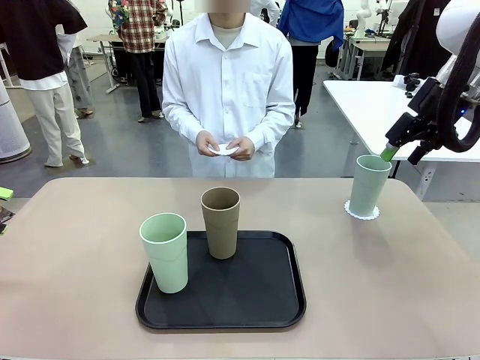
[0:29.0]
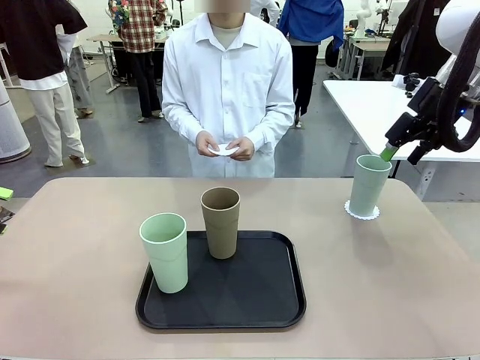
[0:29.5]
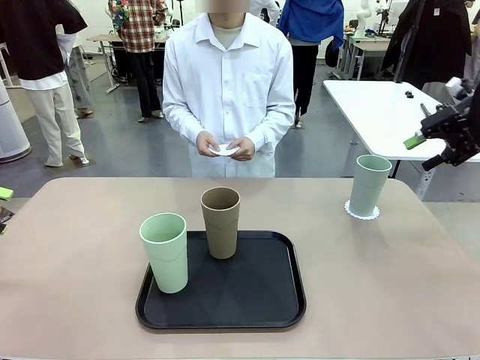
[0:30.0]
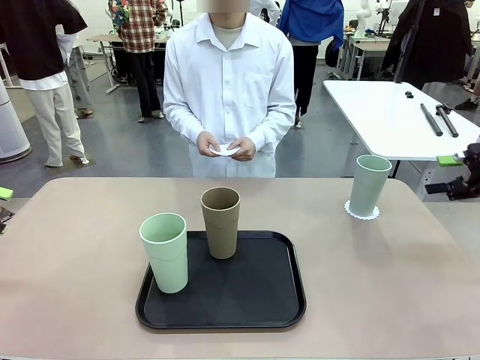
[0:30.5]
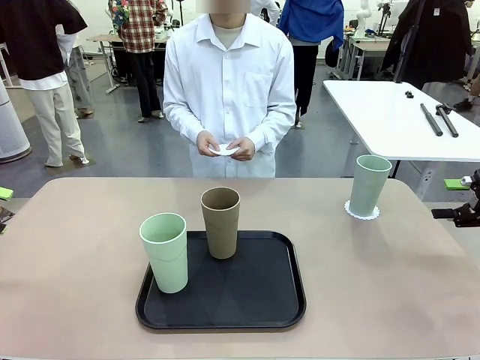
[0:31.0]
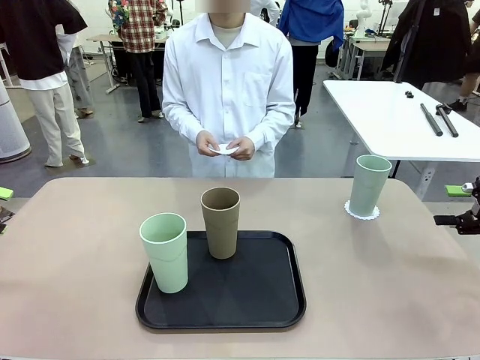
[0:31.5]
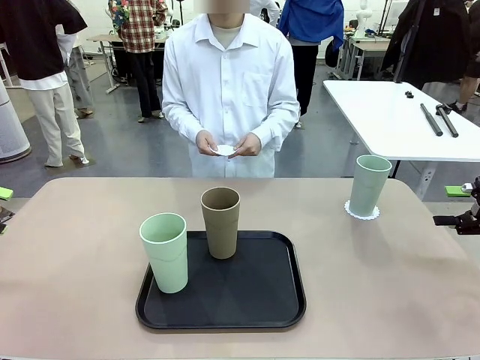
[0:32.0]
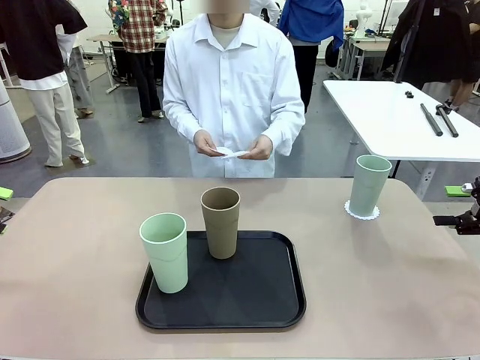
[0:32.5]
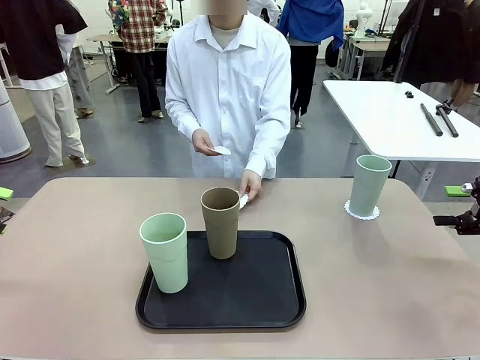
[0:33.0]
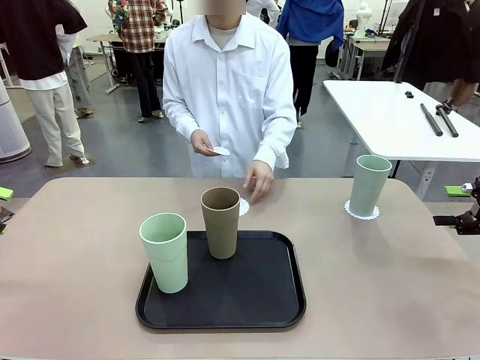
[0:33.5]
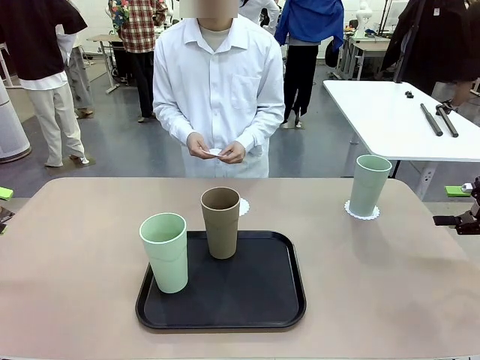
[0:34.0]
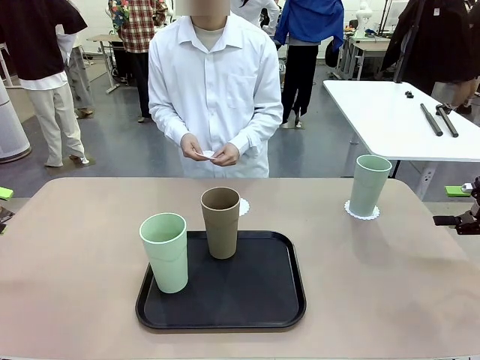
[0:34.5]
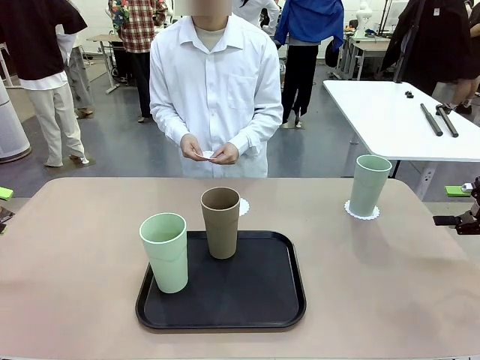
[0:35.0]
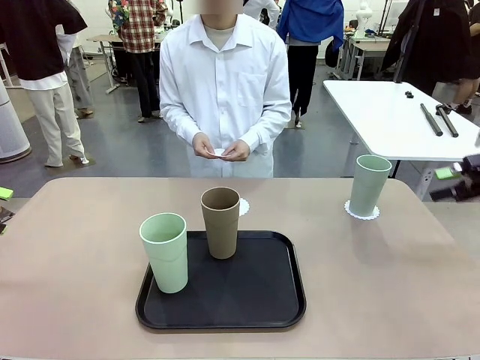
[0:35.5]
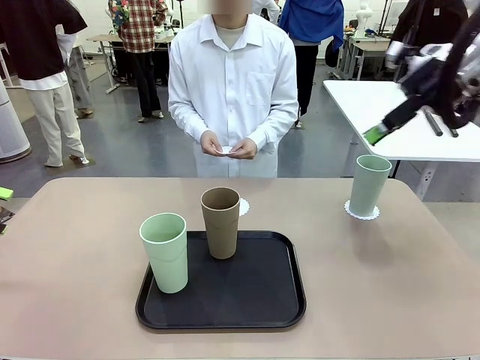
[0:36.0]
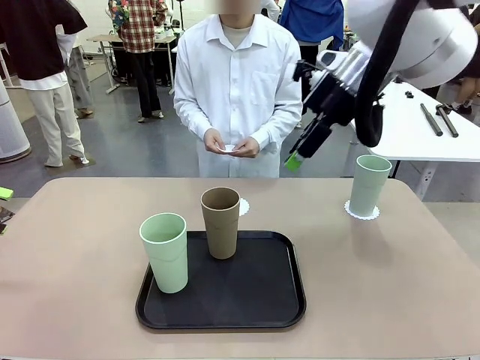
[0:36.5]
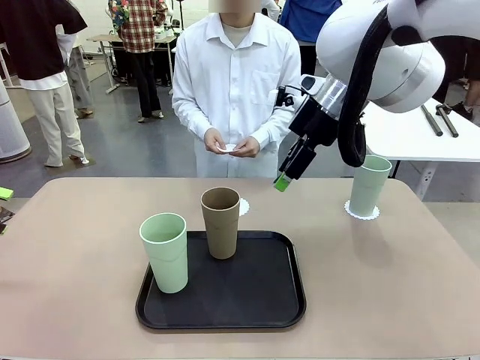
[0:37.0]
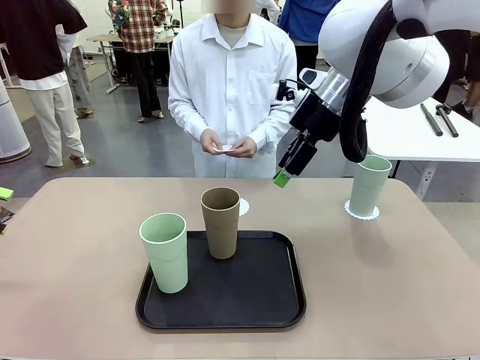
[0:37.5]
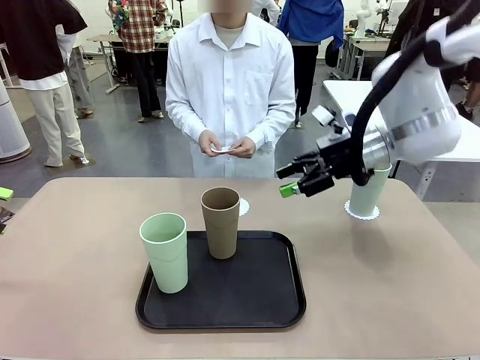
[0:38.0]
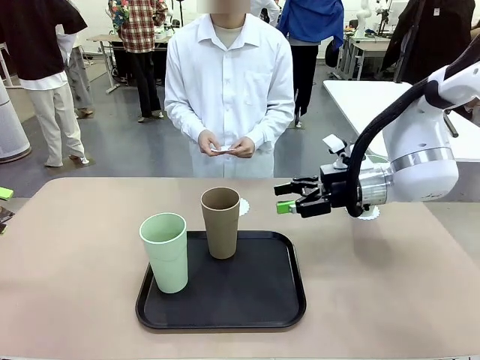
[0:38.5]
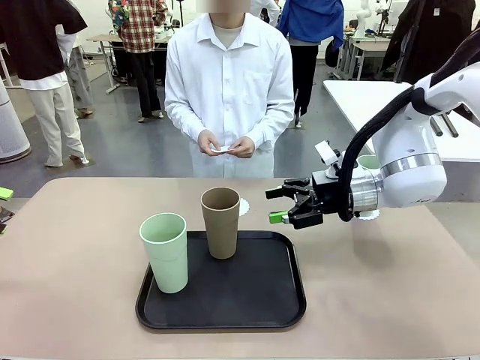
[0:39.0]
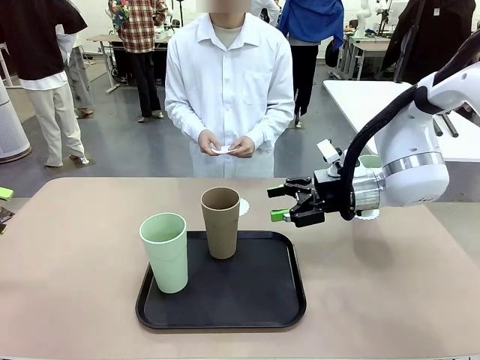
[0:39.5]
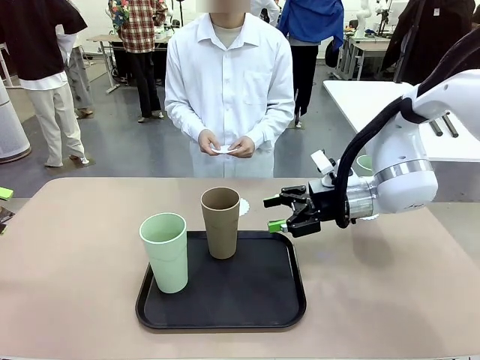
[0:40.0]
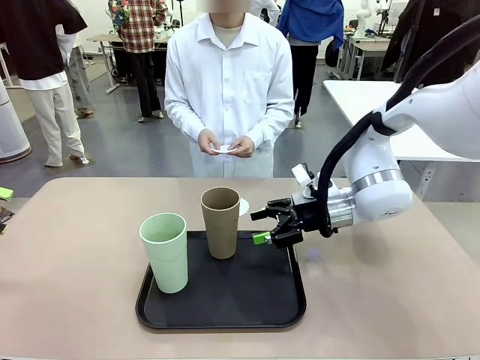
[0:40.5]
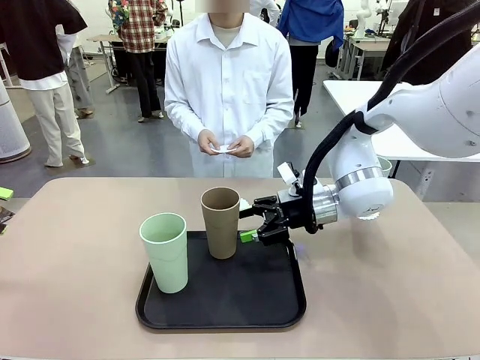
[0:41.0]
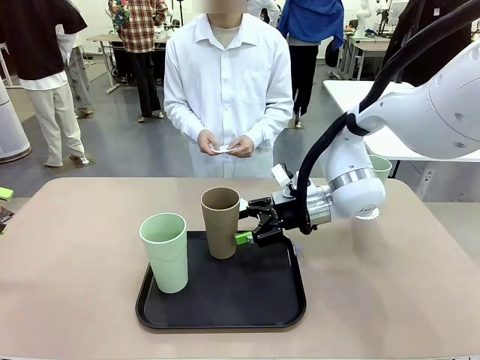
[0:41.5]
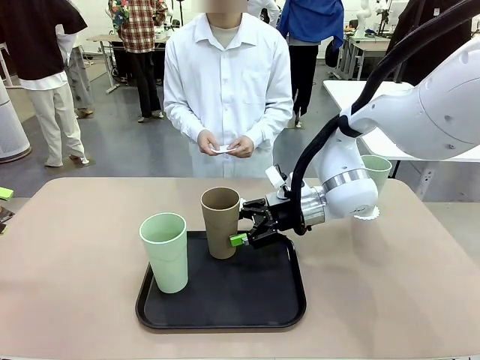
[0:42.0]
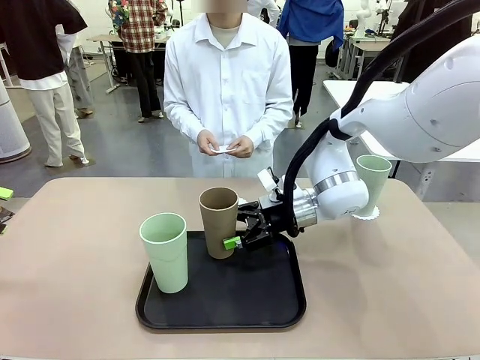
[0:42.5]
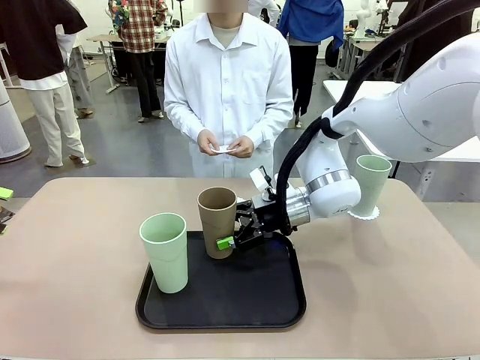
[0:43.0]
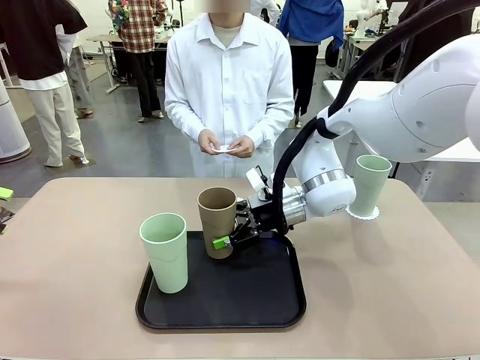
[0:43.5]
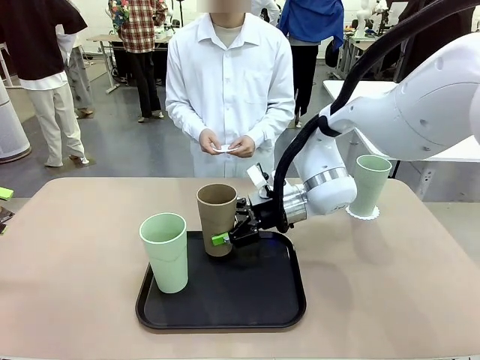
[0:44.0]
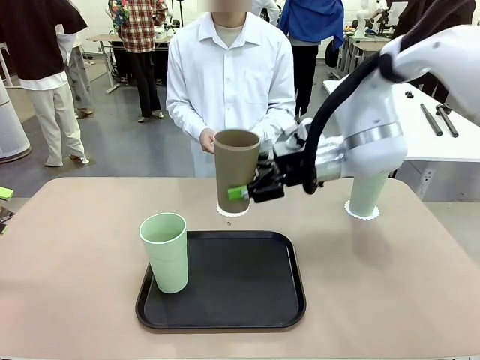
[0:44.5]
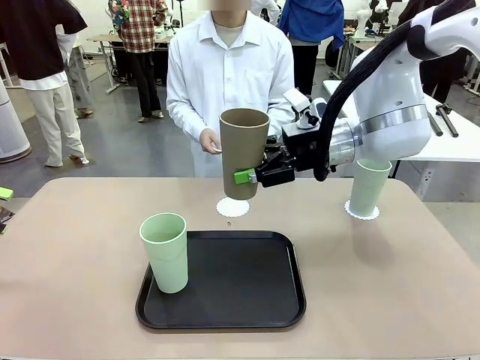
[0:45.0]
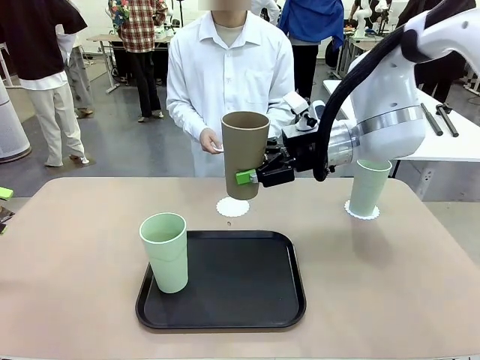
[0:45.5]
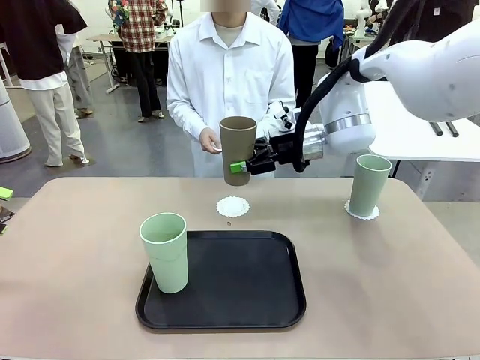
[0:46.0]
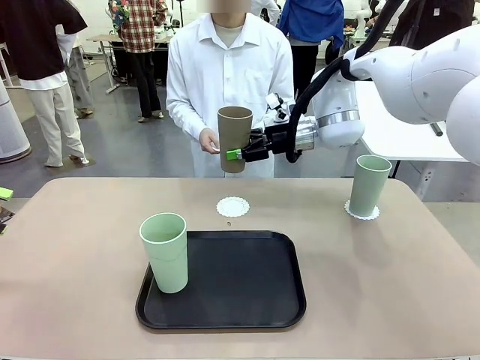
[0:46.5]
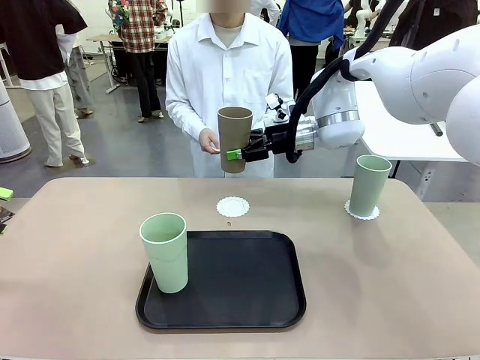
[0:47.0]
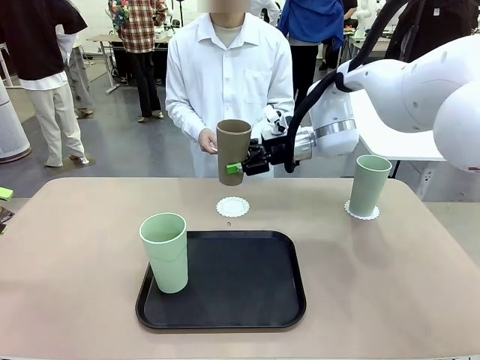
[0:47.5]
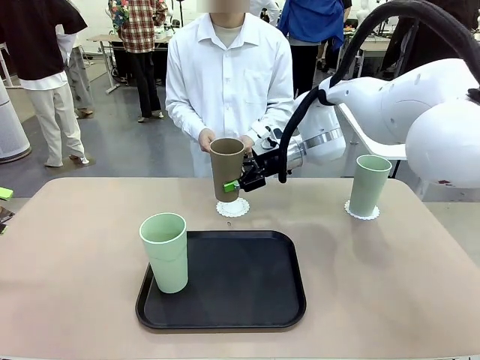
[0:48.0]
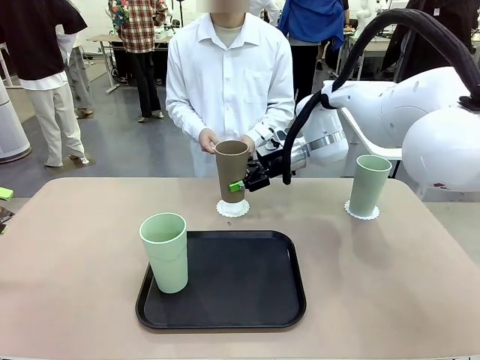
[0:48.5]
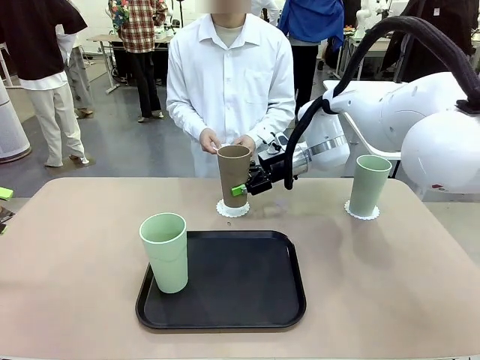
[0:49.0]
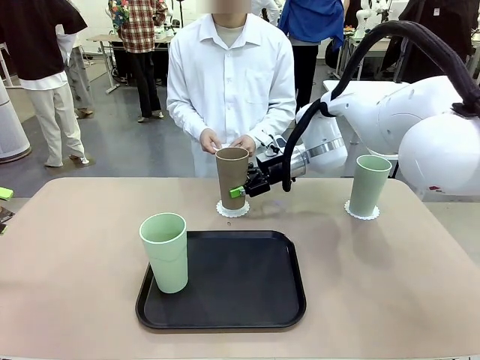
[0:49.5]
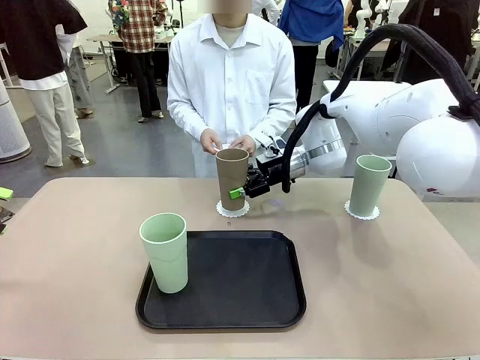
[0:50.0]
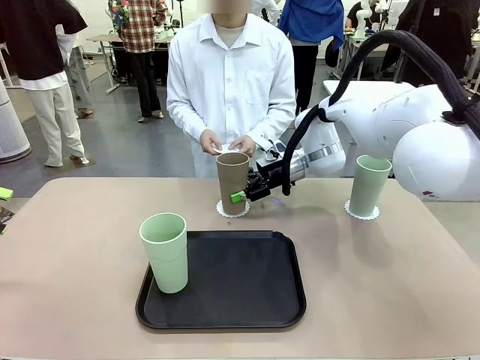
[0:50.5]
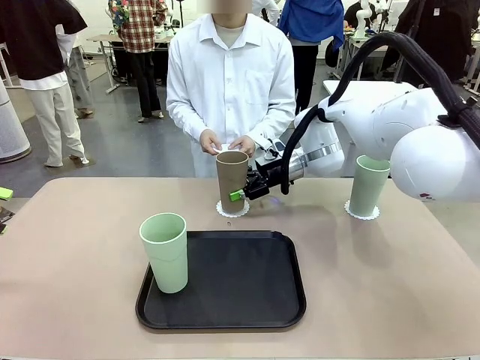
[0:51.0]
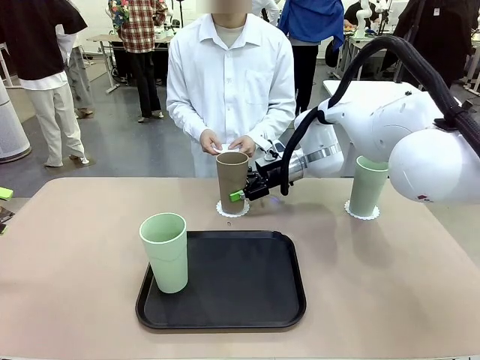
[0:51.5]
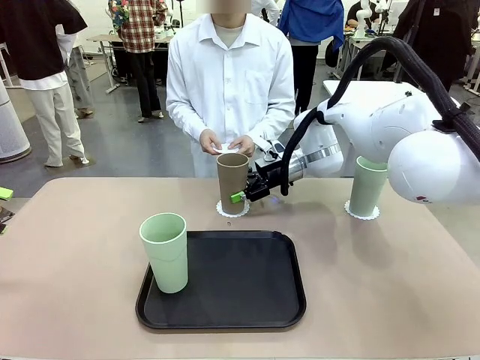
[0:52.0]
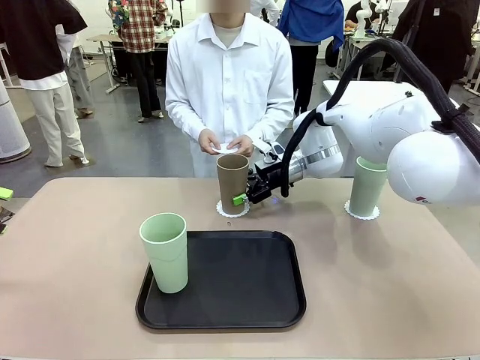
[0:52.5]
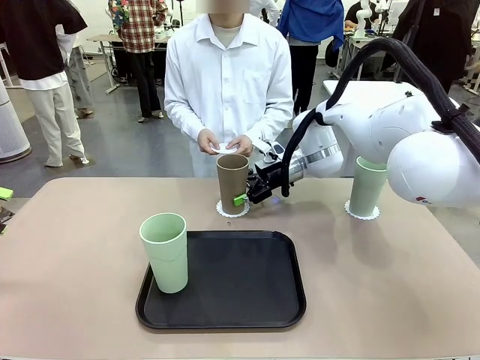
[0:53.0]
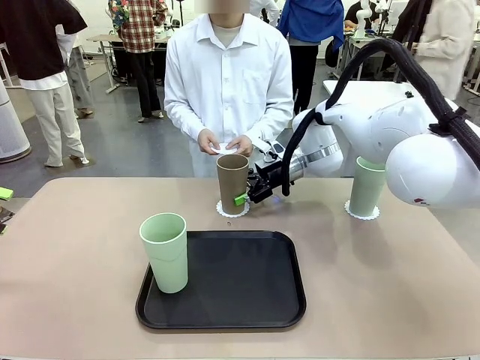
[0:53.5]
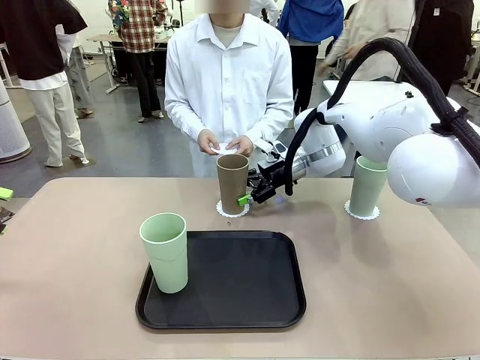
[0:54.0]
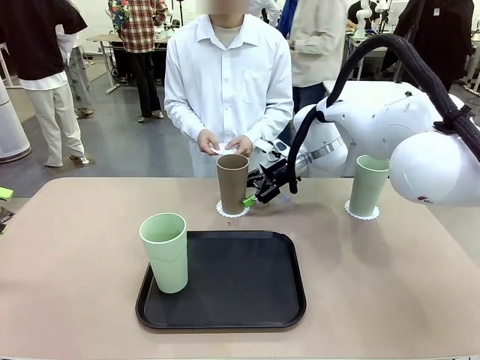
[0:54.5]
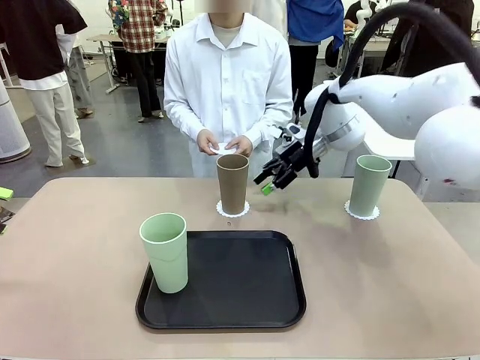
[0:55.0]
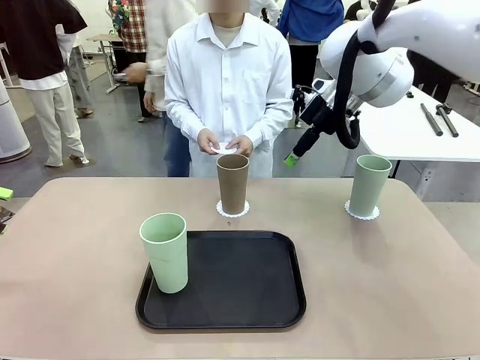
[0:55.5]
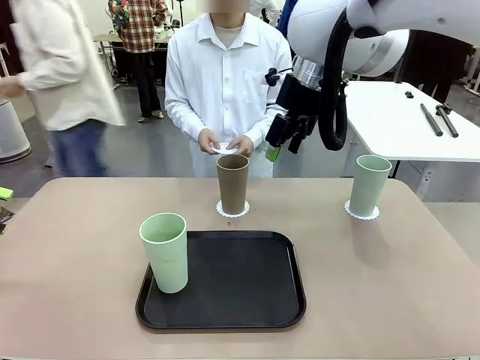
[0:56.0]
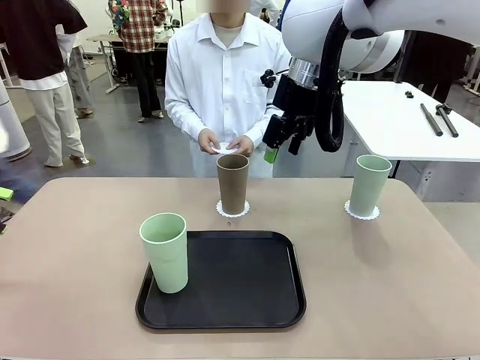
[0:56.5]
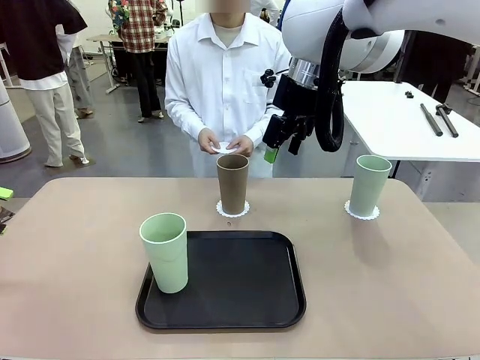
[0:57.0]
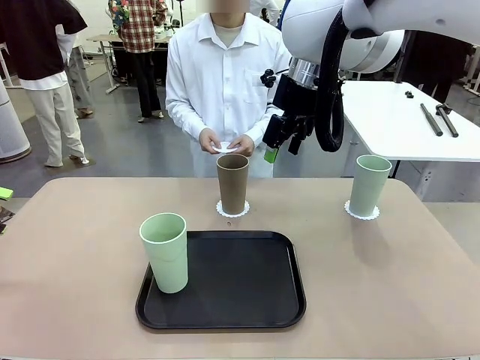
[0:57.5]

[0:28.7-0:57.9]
Task: Place coasters on the table and set cups on them.
Robot: Take one Reusable plastic cup from the Flat Tray and place it on a coaster set by the human.
